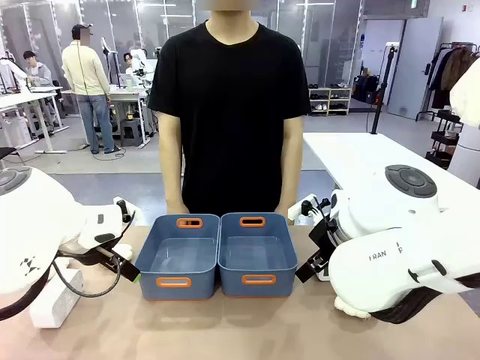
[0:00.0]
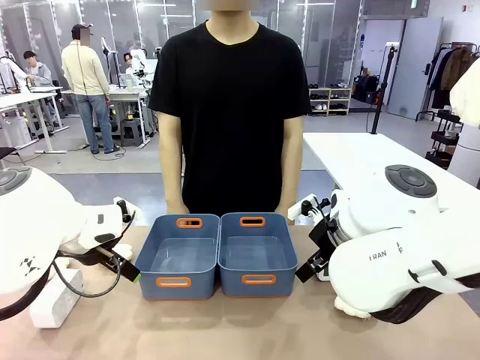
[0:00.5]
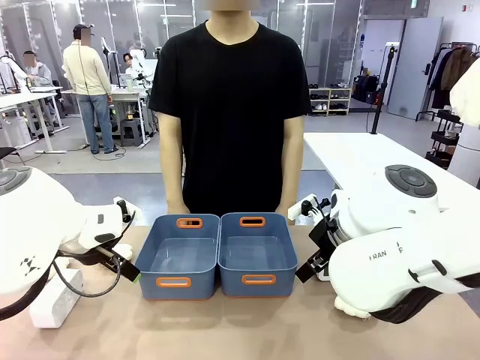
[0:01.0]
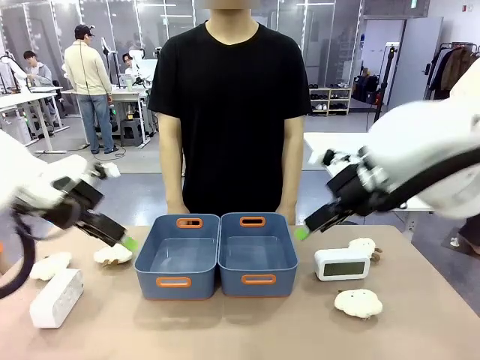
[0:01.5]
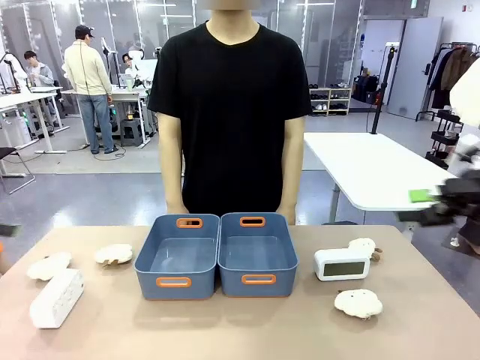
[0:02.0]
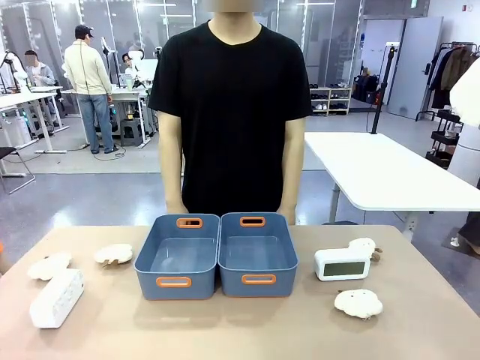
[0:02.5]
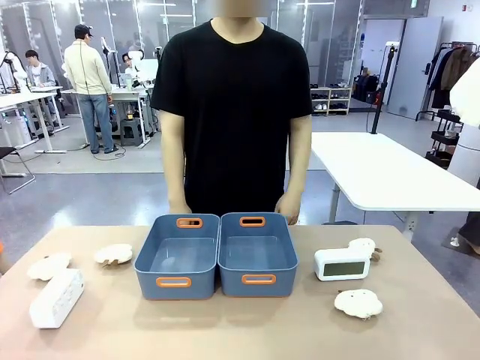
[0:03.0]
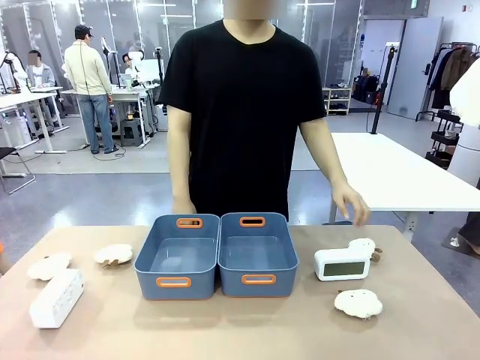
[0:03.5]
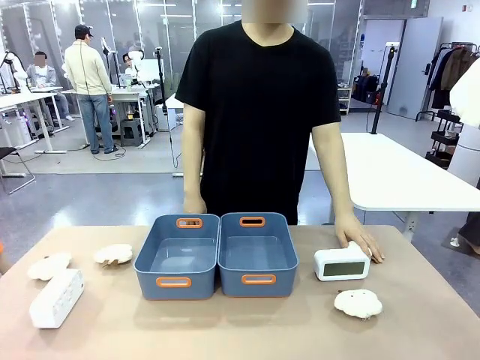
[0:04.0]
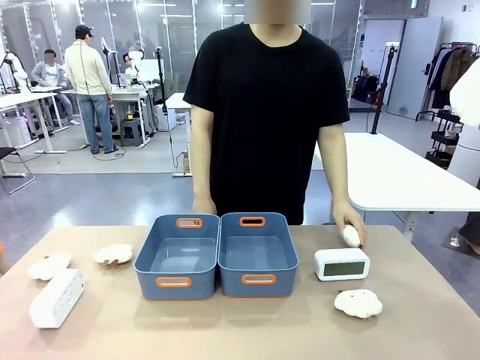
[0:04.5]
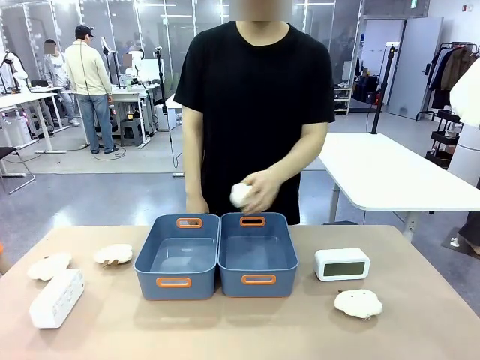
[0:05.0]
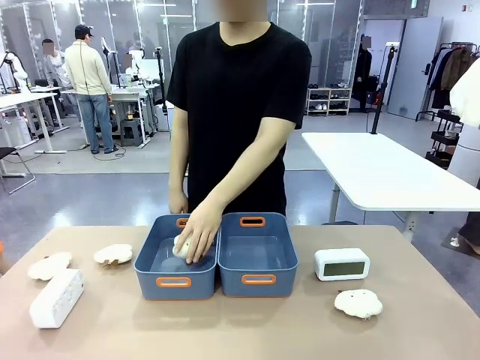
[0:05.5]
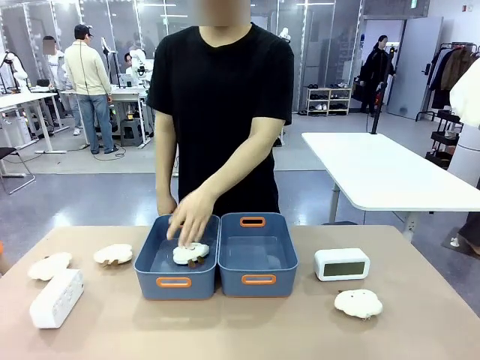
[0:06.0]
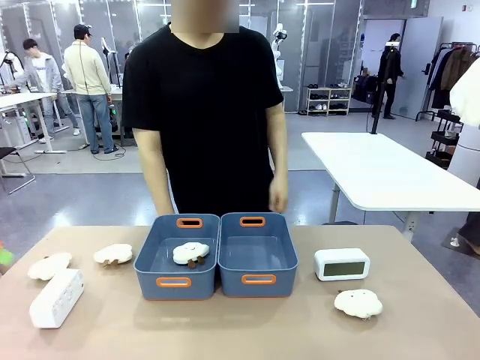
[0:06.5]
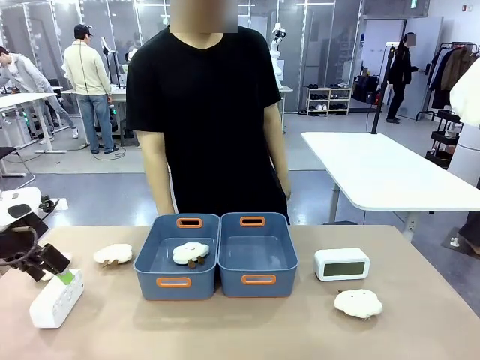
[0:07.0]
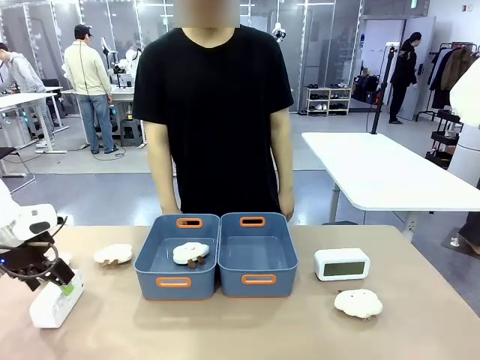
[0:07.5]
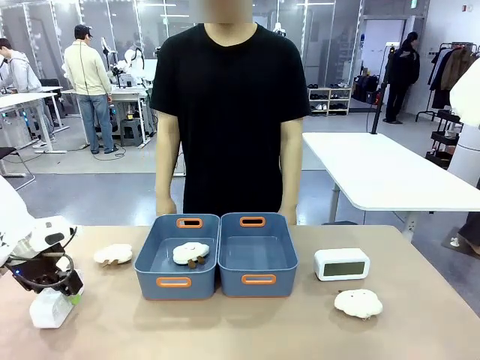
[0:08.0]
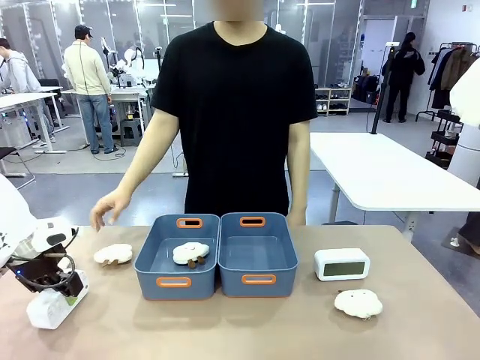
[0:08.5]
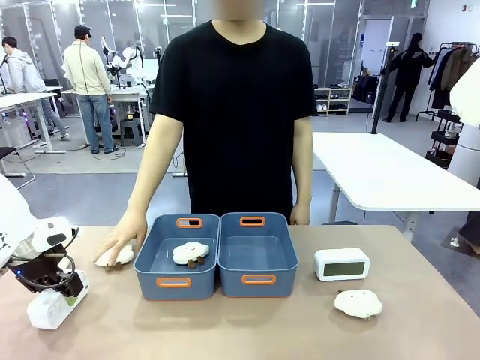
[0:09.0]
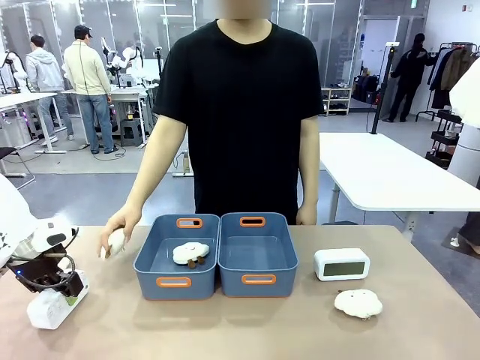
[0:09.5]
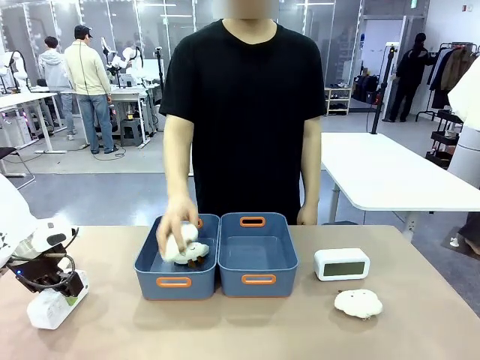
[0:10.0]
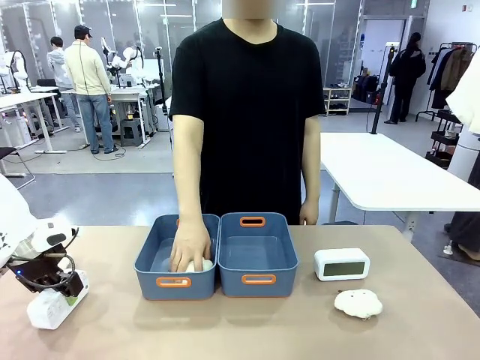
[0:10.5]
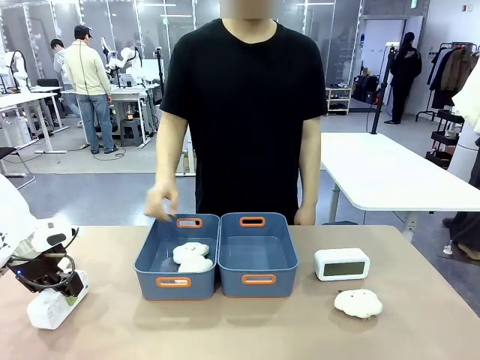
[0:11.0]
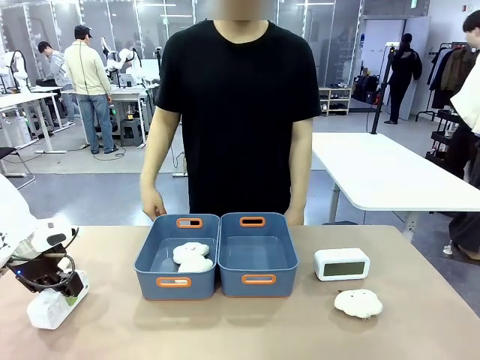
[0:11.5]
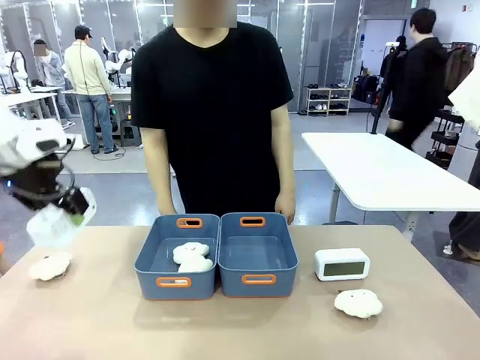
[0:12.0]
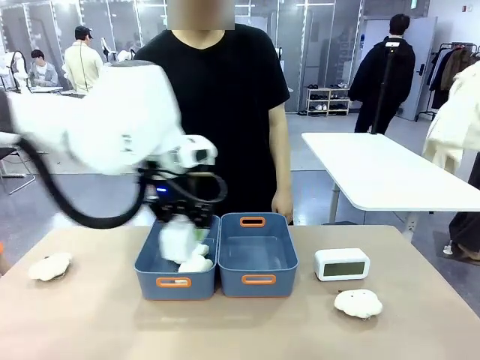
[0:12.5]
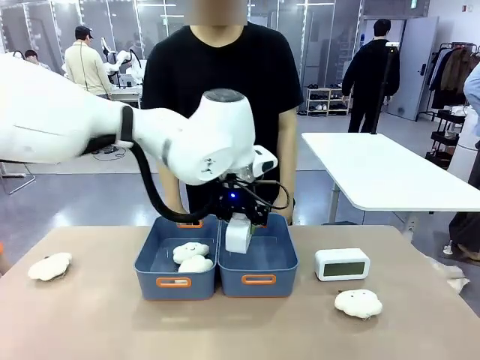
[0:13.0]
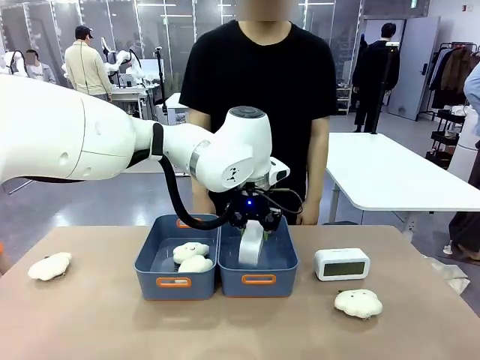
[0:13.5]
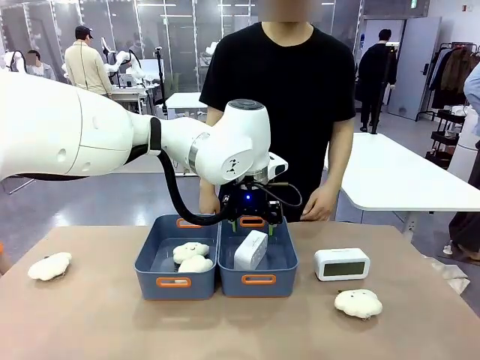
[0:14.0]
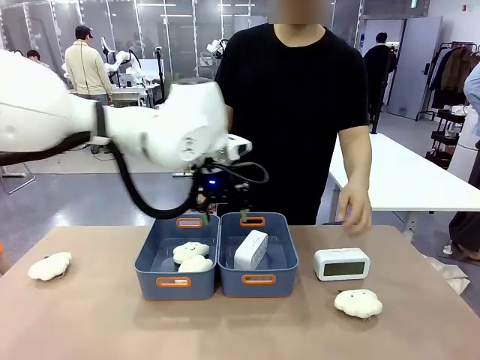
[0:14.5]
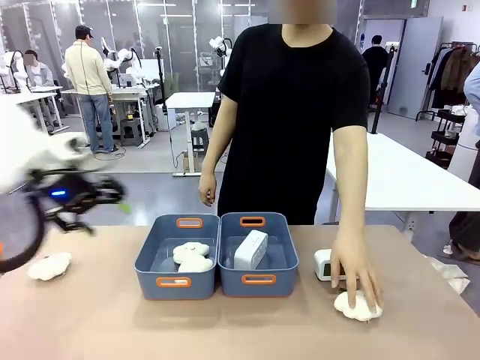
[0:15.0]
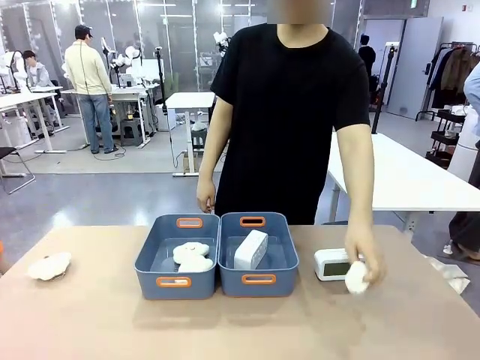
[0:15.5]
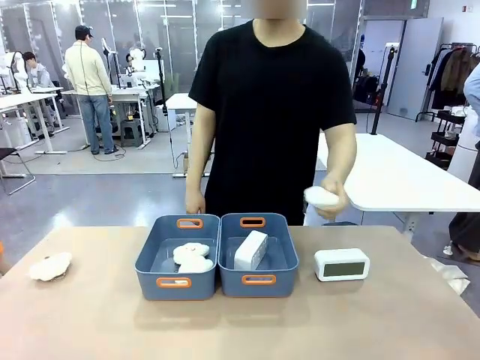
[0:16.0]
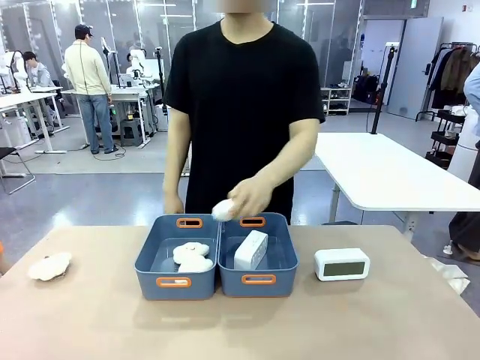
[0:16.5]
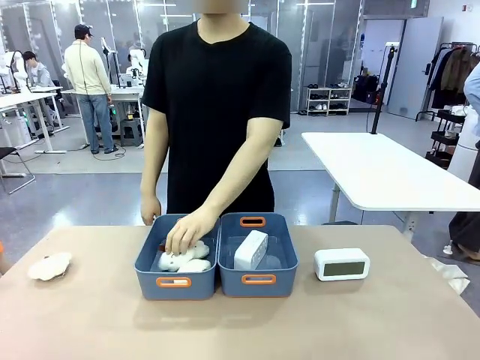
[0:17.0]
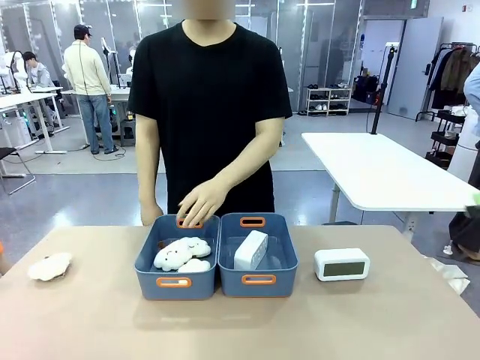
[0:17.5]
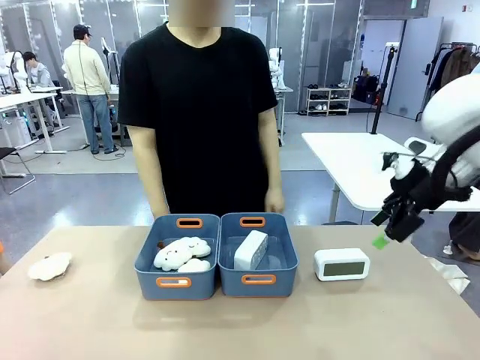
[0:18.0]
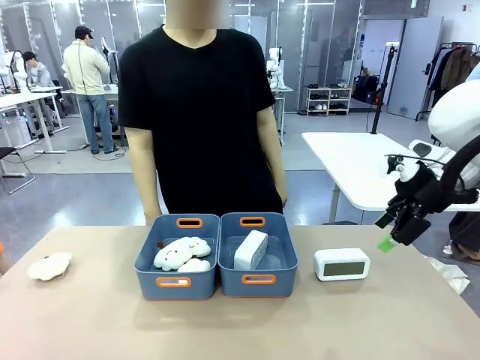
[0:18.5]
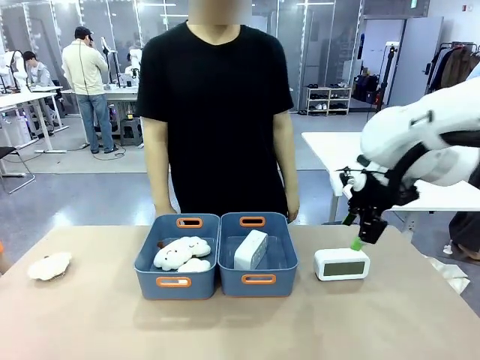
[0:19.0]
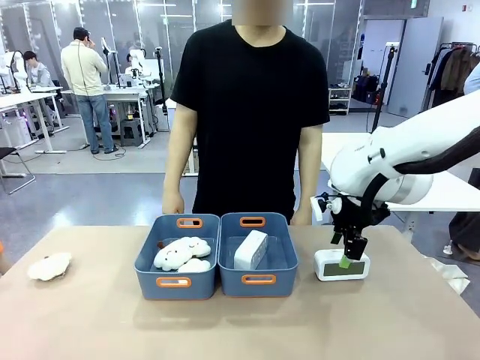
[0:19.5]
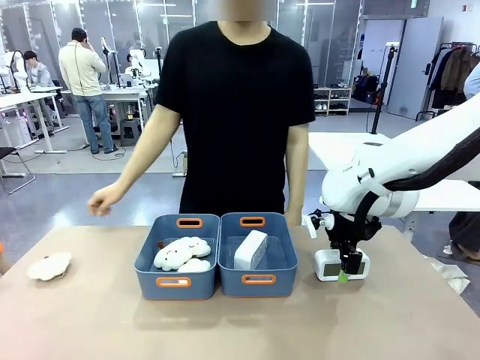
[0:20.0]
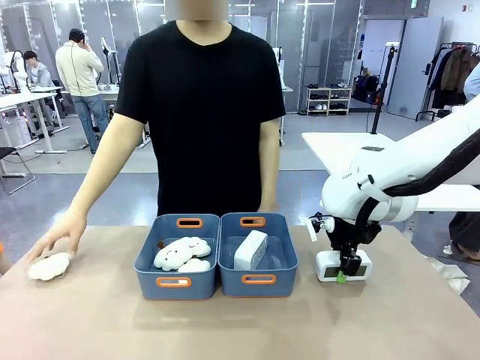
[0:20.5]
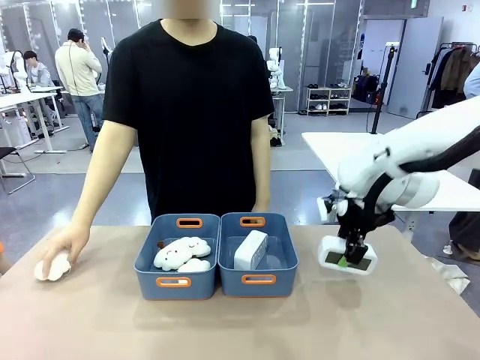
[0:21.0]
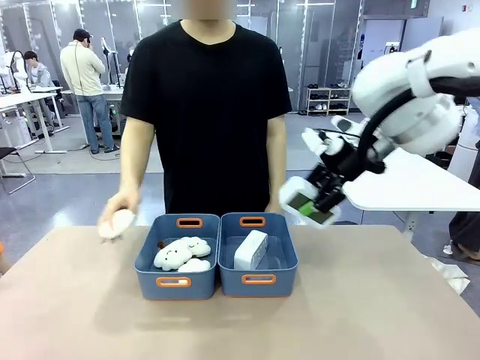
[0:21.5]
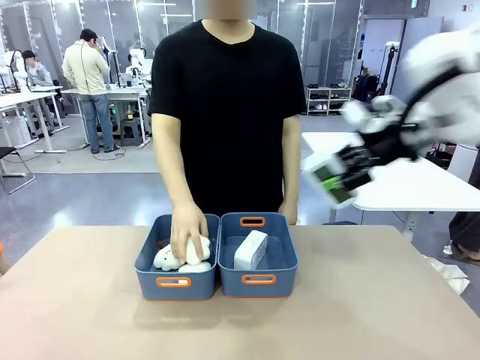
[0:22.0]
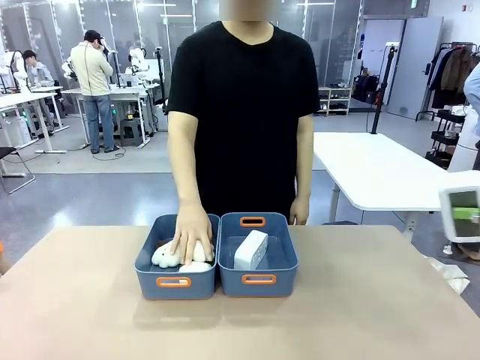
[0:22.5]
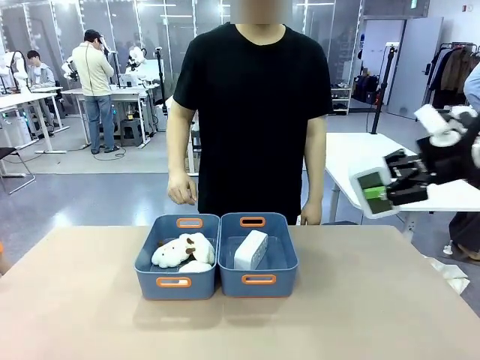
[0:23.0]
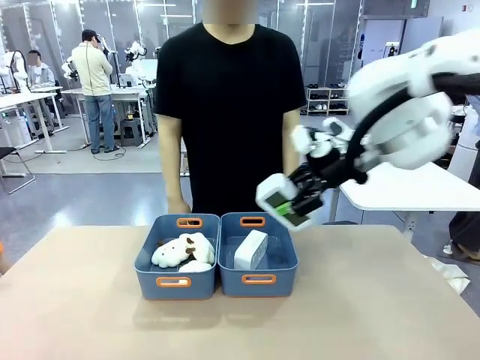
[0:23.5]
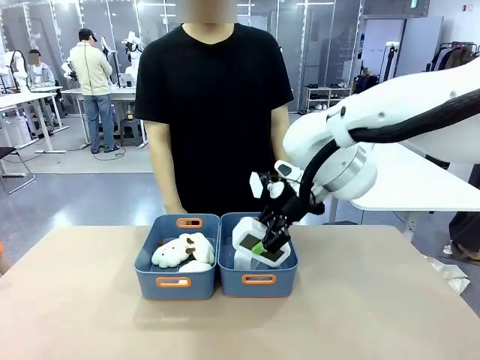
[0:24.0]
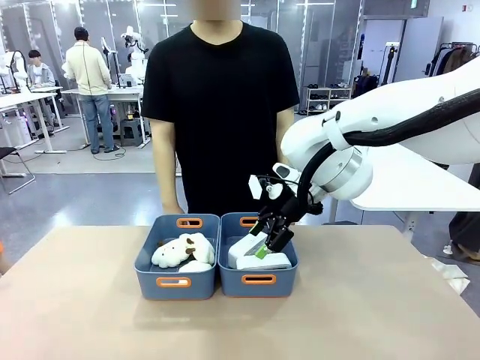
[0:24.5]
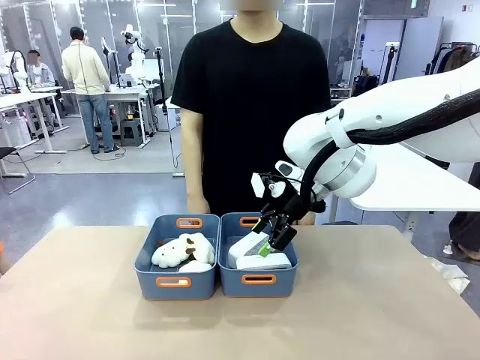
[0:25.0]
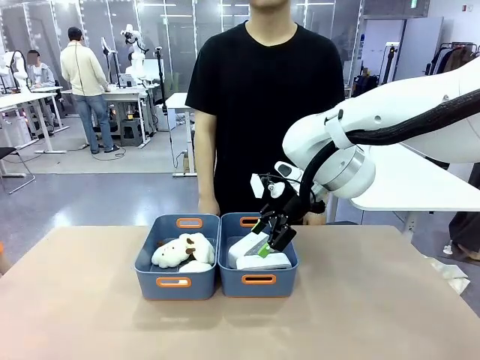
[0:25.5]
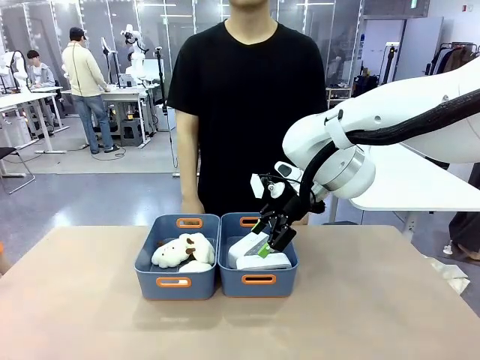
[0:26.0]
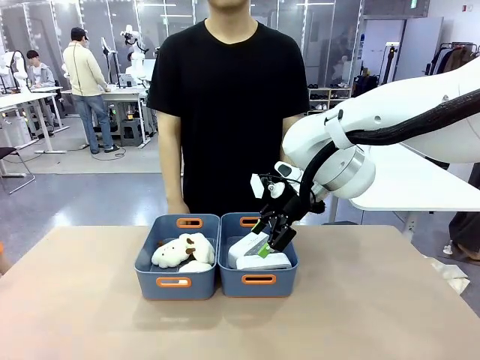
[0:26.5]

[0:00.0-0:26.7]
Task: Sort the digital clocks into the basket.
Robot: Pick up the Digital clock from the table and place it into the empty Plastic storage basket.
Person: Pick up a plush toy from the table and place it in a plastic storage basket. Pick up a plush toy from the table and place it in the plastic storage basket containing the plush toy.
